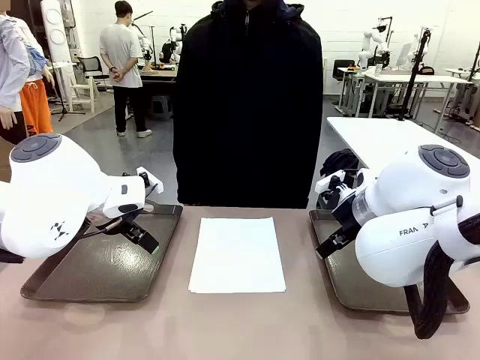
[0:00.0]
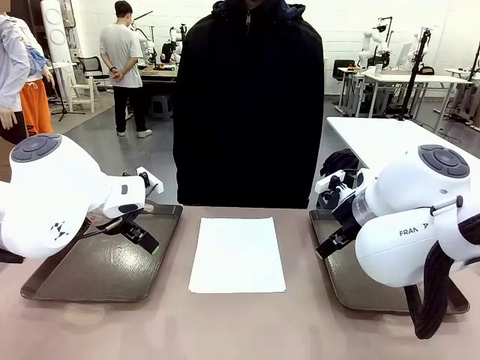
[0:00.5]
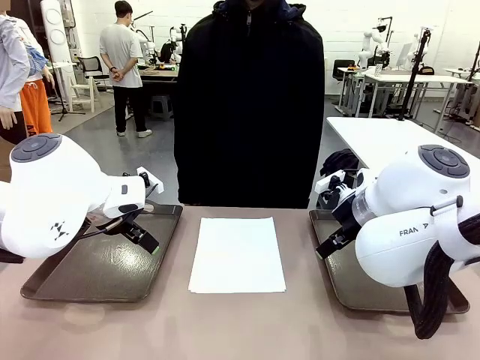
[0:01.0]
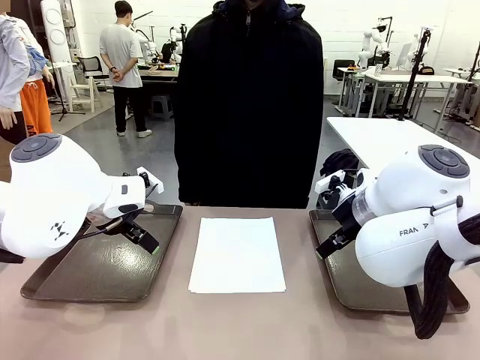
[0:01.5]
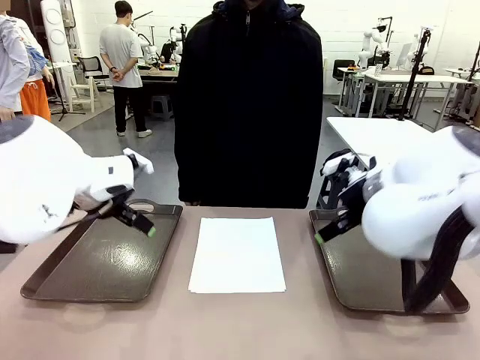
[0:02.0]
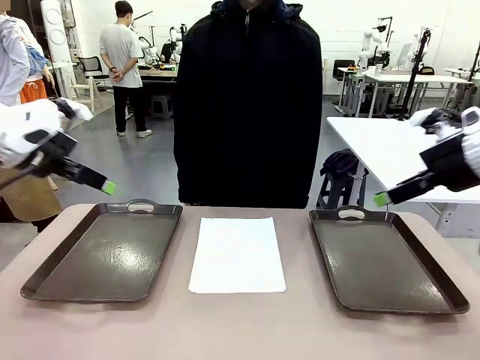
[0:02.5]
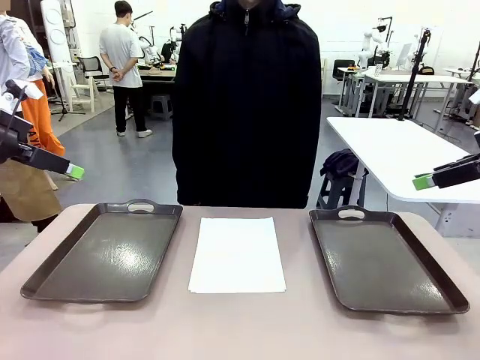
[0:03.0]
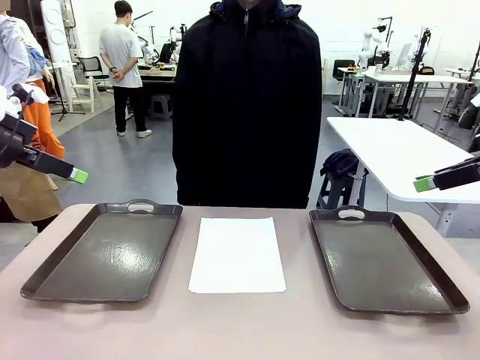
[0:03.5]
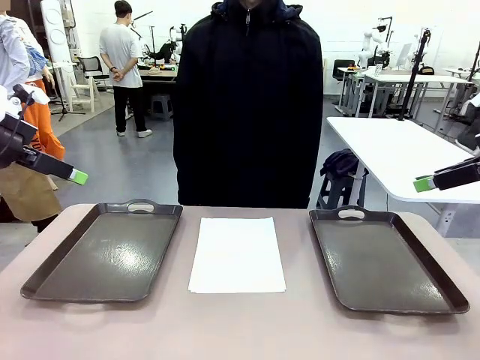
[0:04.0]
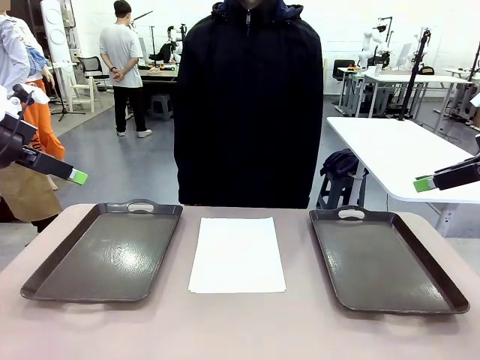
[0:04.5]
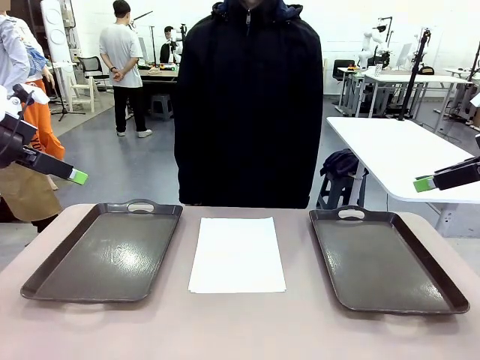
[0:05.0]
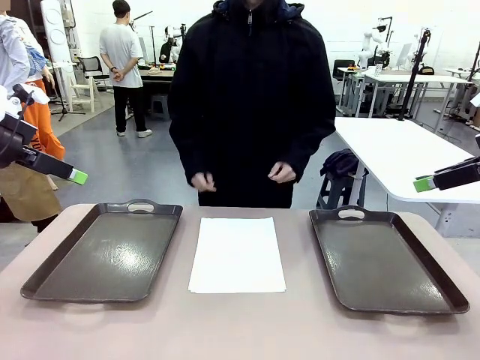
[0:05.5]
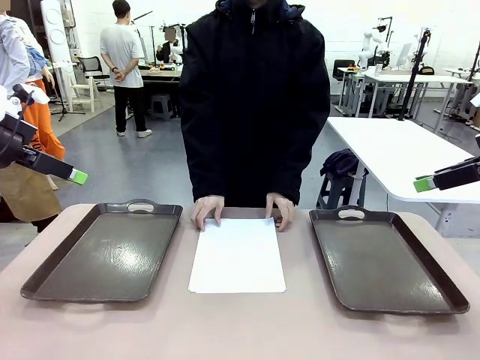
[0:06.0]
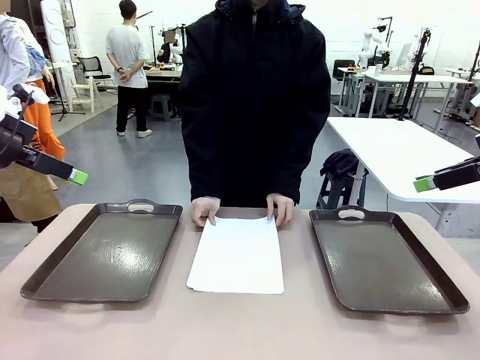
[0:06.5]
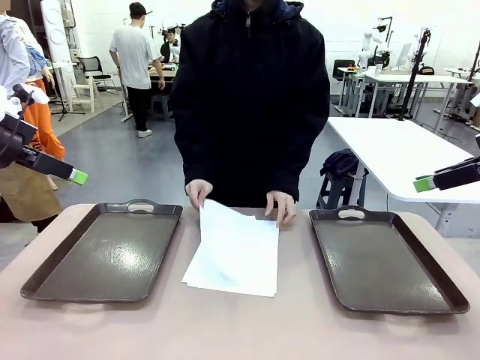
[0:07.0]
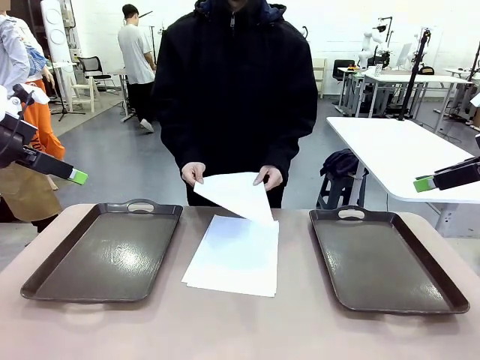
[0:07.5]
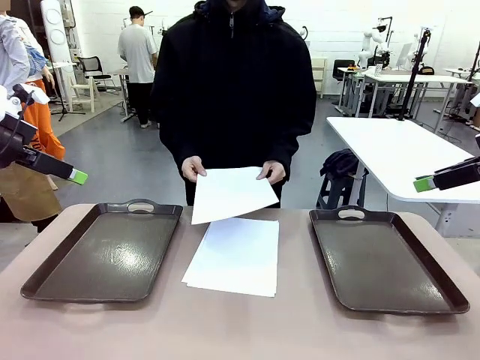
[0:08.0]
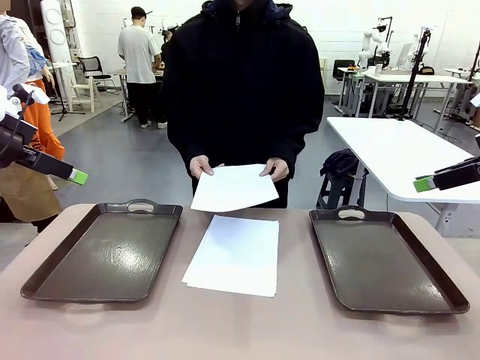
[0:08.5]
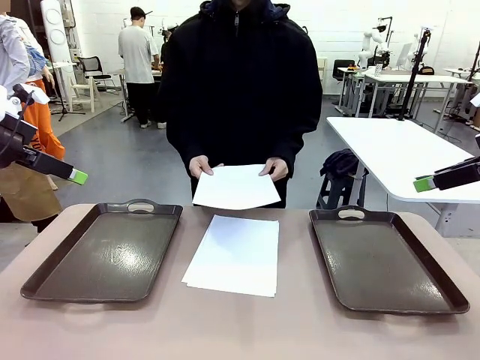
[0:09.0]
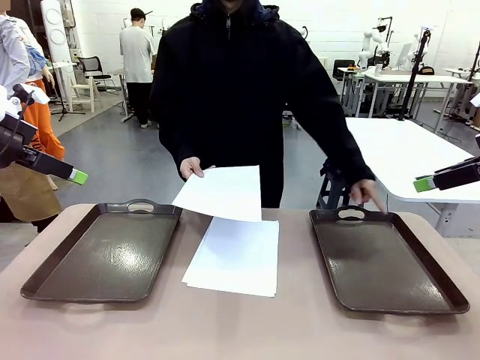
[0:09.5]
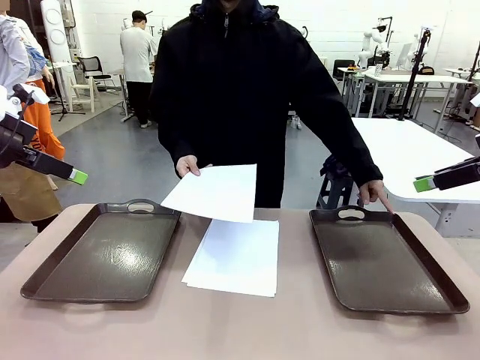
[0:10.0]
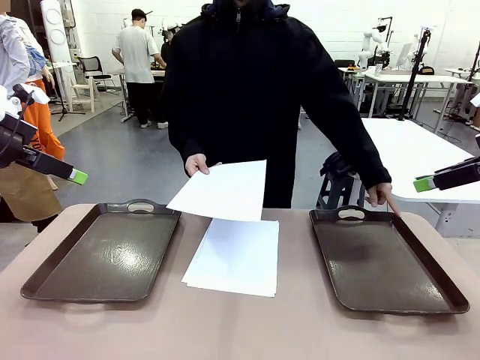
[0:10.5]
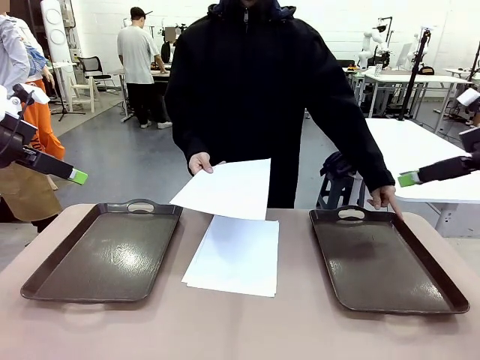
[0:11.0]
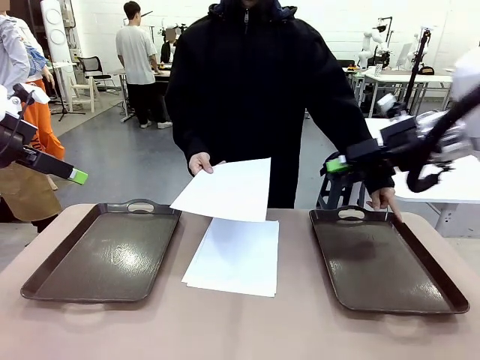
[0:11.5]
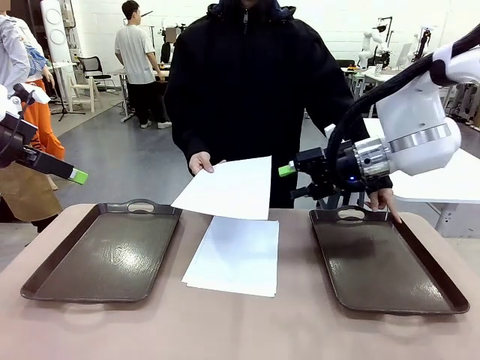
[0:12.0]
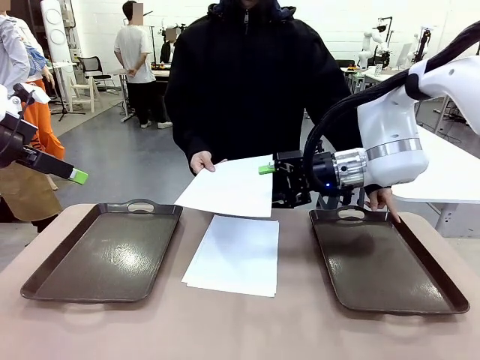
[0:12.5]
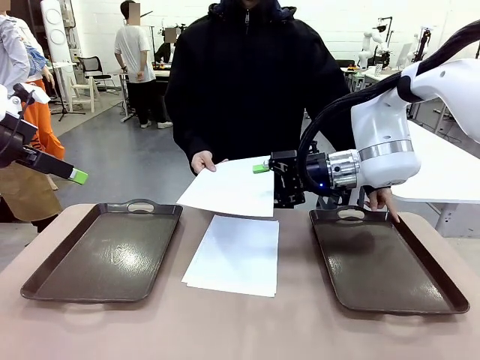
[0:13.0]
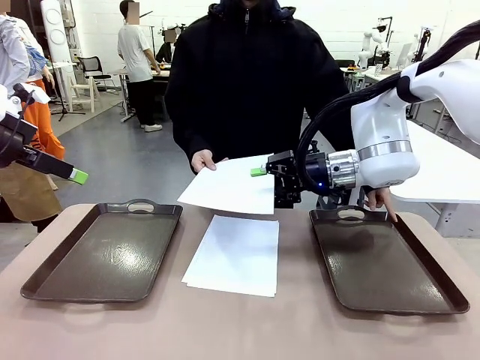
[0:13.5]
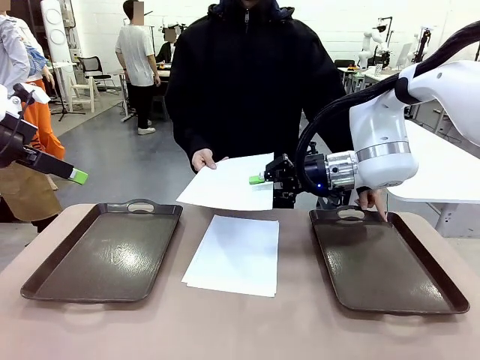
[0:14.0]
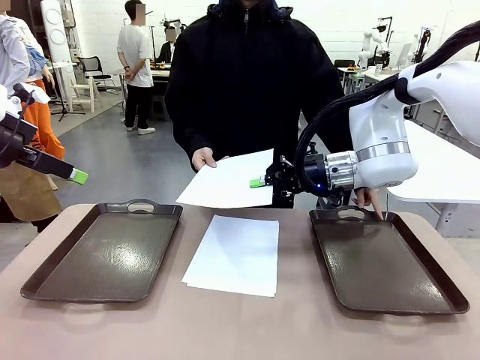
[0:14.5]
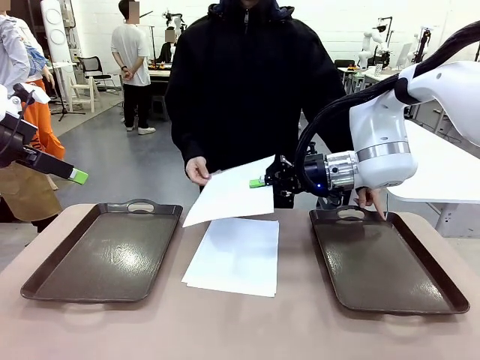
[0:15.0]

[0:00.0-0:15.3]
Task: Sort the A4 documents.
Robot: Receive the A4 Paper.
Person: Pick up a sheet of paper from the center of the table and hand it to the robot. Point the randomly selected tray with the other hand.

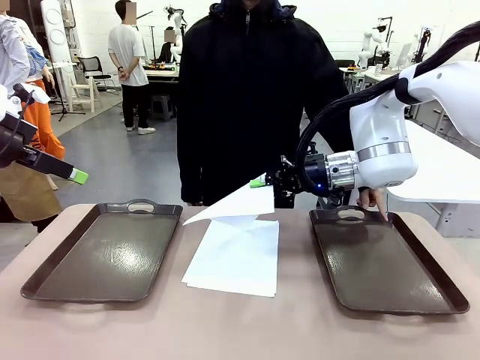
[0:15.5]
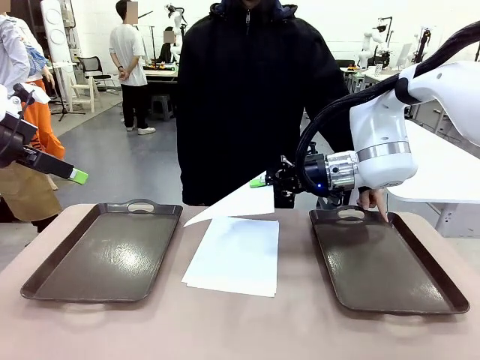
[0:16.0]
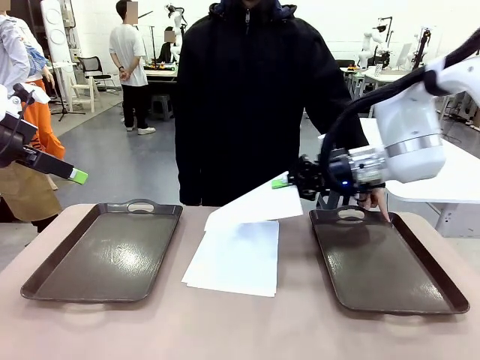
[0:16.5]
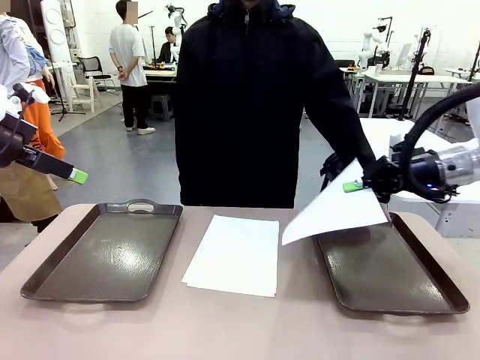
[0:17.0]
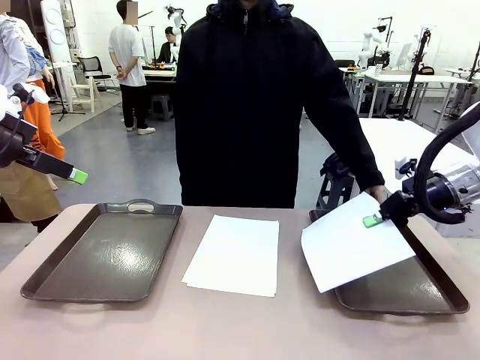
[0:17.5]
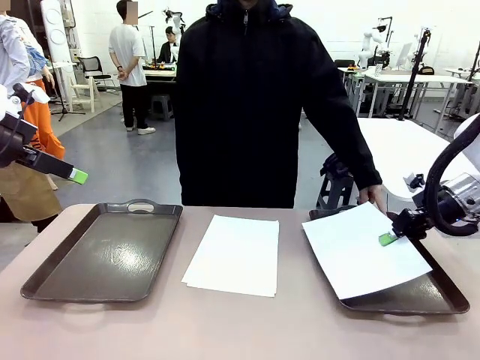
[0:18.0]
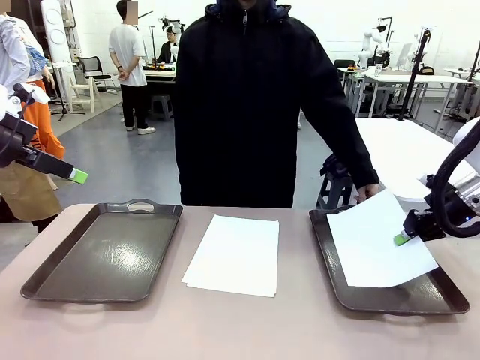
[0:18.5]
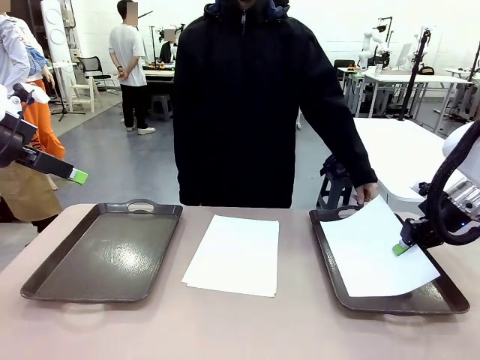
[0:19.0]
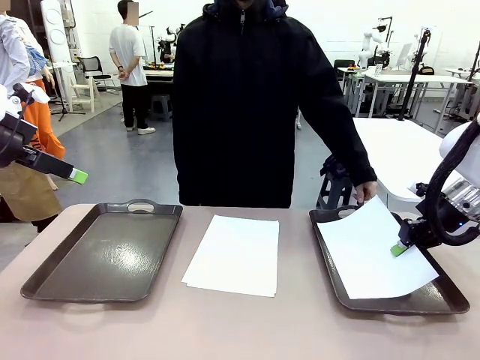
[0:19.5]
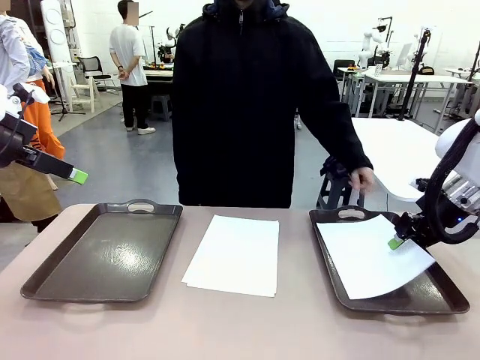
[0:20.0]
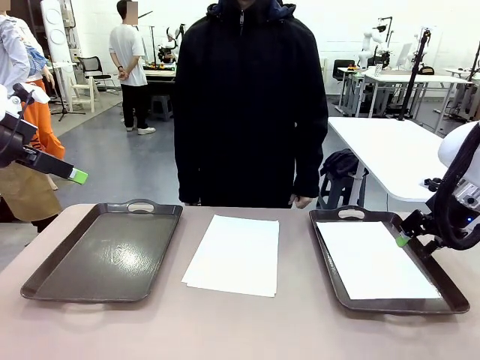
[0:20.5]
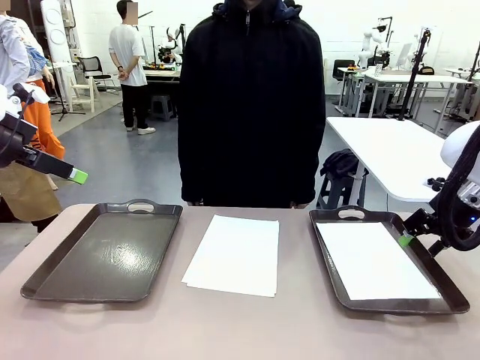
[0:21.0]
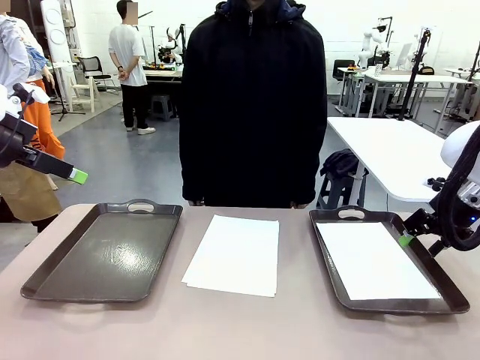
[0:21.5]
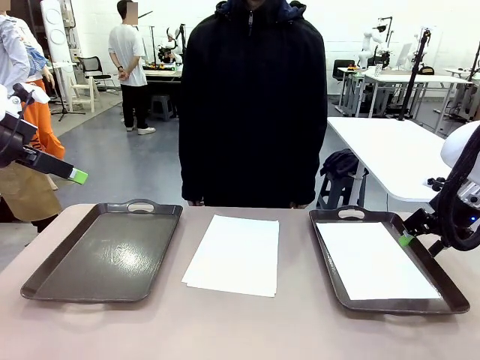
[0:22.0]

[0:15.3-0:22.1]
Robot: Place the A4 Paper in the designated Handle tray.
